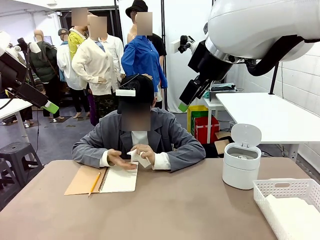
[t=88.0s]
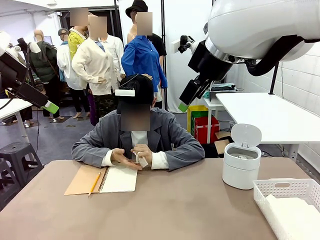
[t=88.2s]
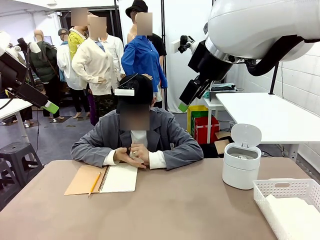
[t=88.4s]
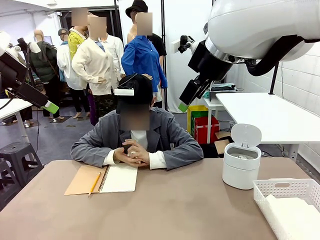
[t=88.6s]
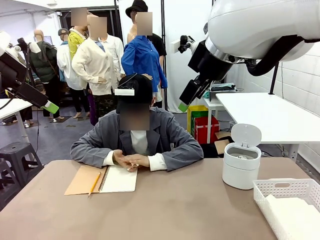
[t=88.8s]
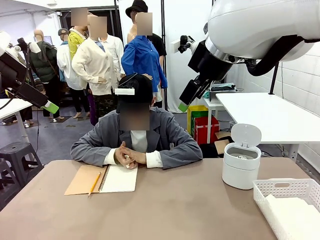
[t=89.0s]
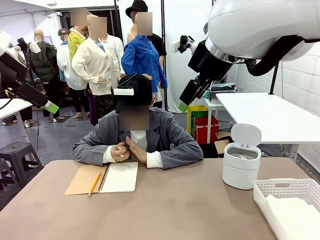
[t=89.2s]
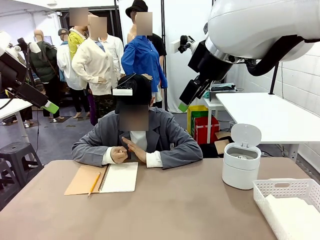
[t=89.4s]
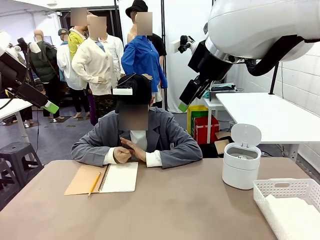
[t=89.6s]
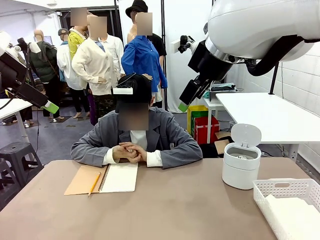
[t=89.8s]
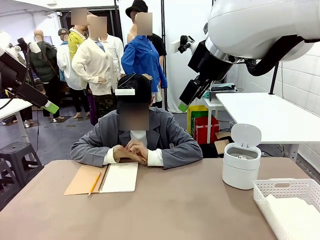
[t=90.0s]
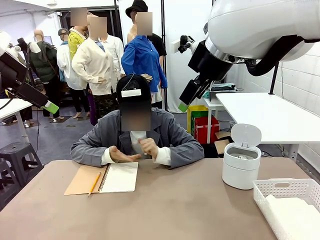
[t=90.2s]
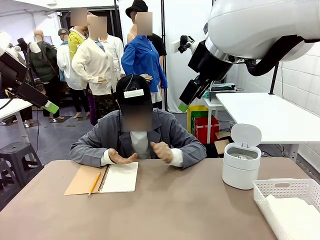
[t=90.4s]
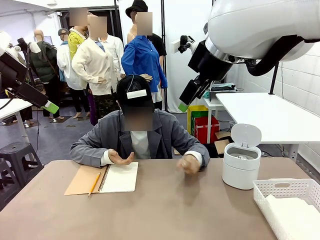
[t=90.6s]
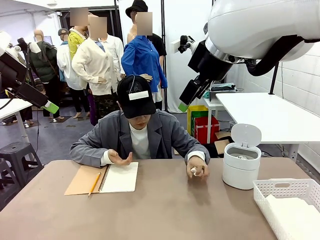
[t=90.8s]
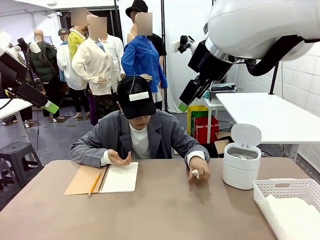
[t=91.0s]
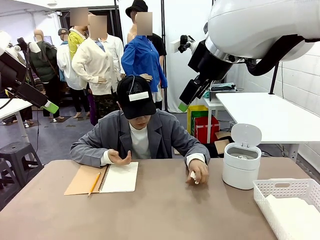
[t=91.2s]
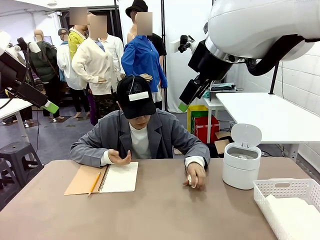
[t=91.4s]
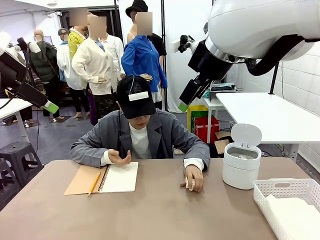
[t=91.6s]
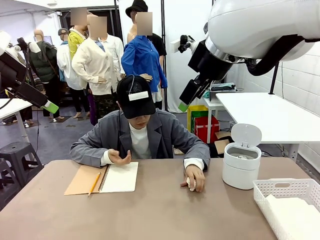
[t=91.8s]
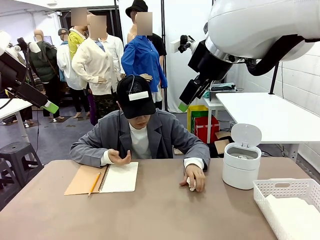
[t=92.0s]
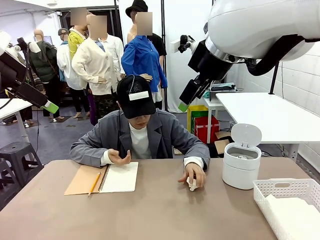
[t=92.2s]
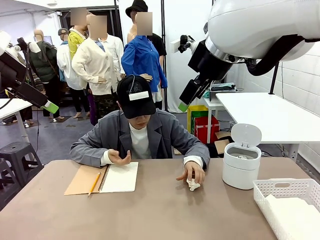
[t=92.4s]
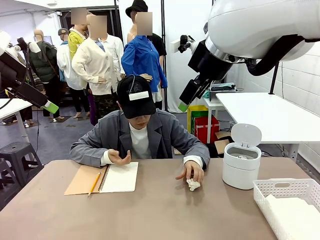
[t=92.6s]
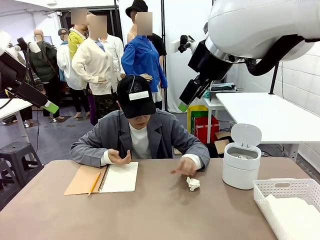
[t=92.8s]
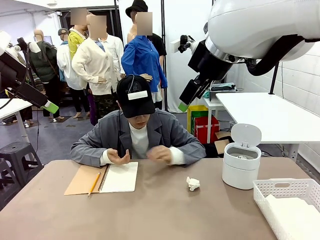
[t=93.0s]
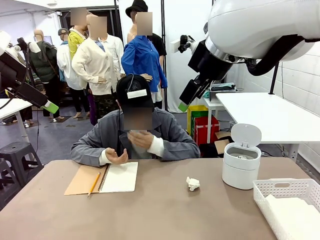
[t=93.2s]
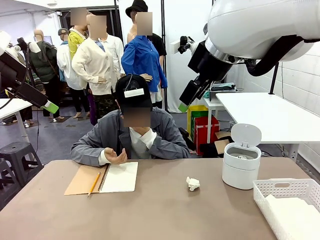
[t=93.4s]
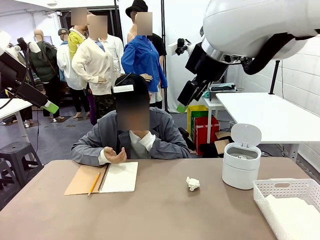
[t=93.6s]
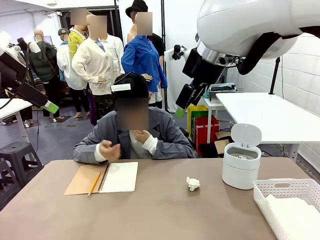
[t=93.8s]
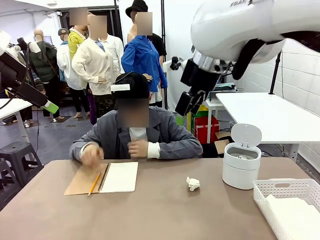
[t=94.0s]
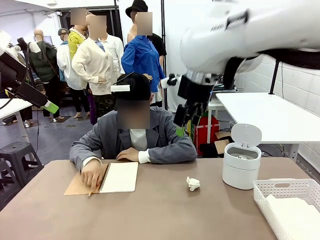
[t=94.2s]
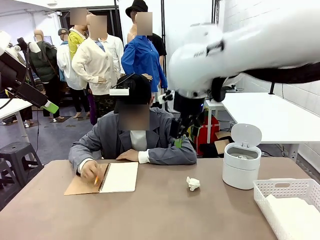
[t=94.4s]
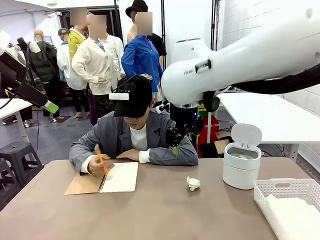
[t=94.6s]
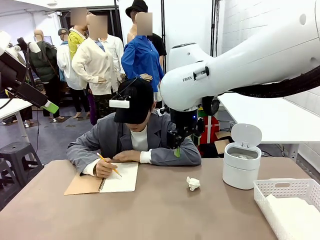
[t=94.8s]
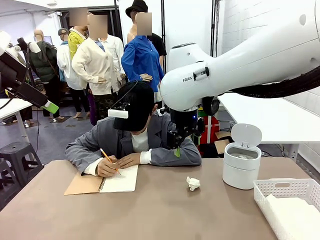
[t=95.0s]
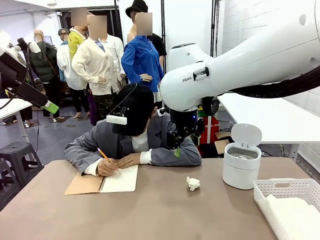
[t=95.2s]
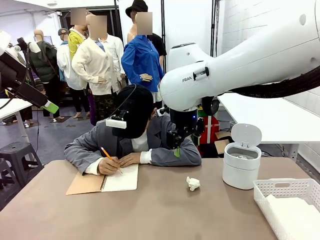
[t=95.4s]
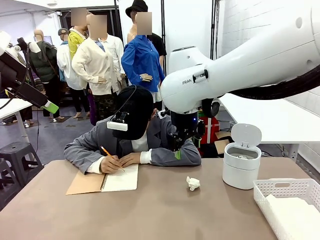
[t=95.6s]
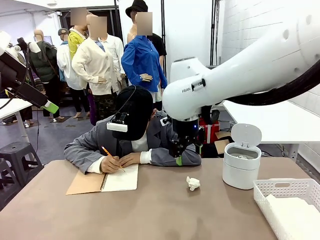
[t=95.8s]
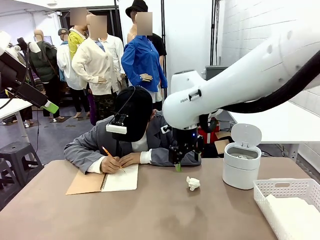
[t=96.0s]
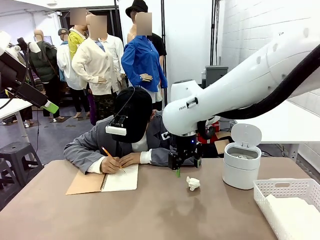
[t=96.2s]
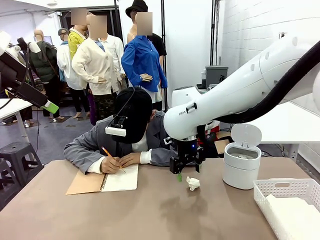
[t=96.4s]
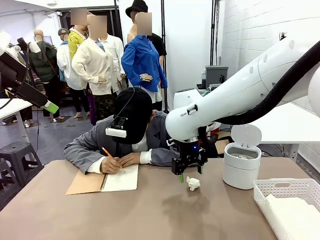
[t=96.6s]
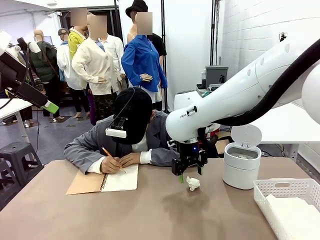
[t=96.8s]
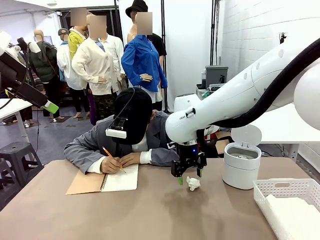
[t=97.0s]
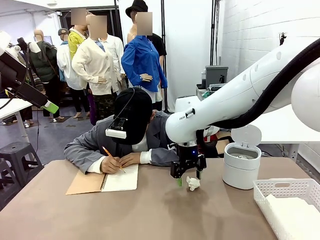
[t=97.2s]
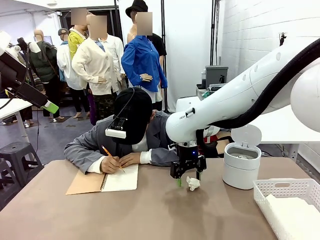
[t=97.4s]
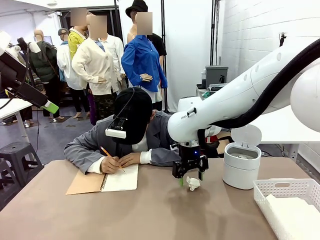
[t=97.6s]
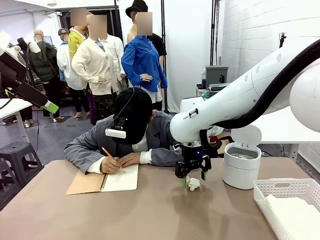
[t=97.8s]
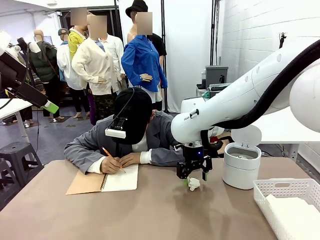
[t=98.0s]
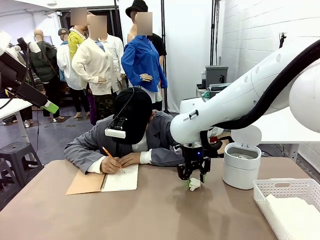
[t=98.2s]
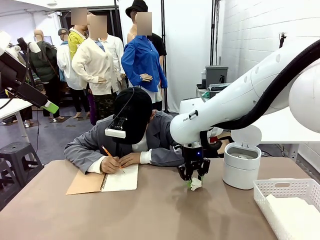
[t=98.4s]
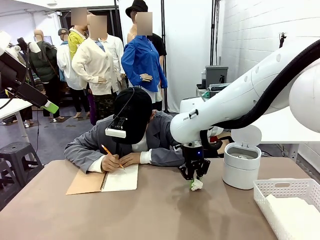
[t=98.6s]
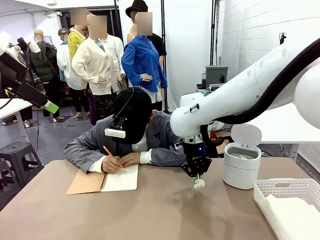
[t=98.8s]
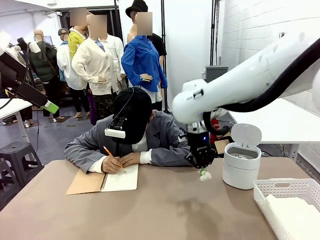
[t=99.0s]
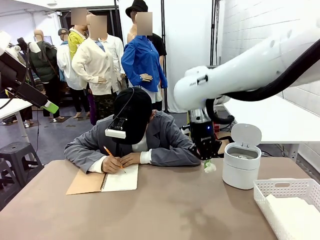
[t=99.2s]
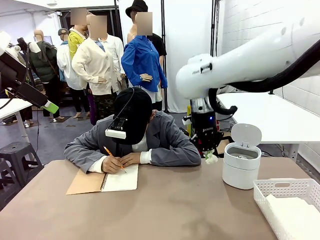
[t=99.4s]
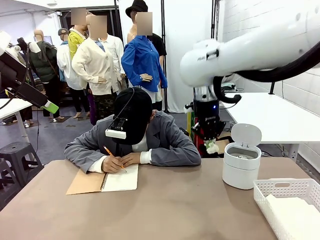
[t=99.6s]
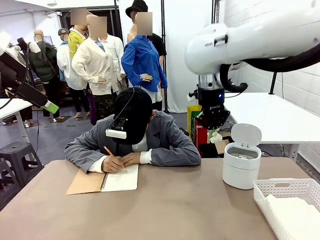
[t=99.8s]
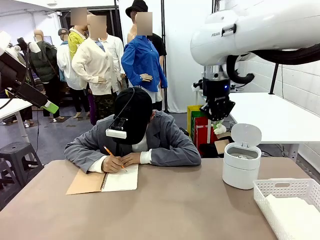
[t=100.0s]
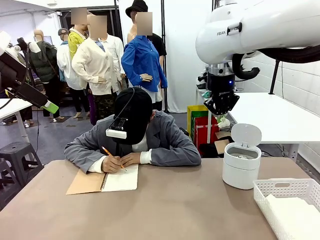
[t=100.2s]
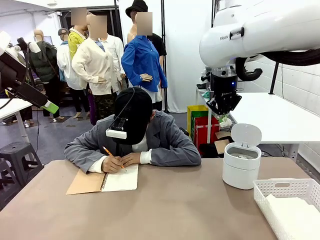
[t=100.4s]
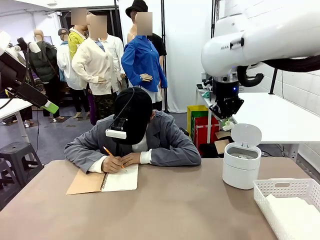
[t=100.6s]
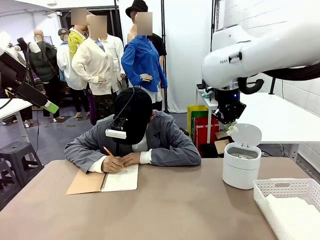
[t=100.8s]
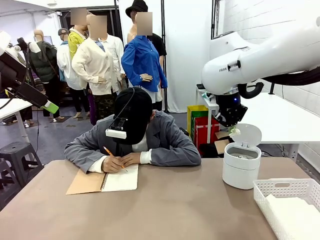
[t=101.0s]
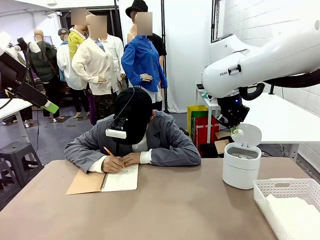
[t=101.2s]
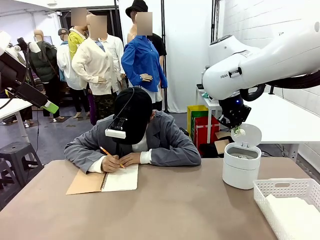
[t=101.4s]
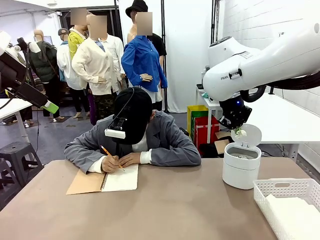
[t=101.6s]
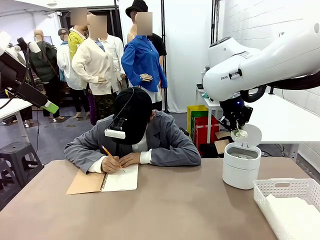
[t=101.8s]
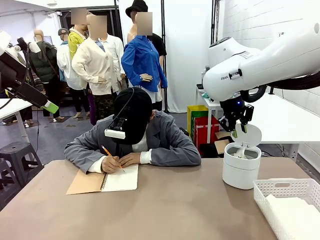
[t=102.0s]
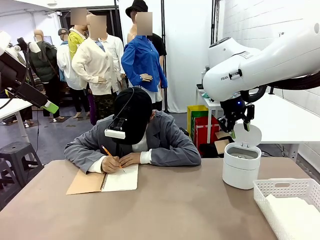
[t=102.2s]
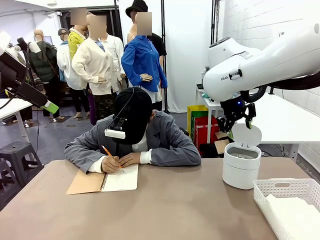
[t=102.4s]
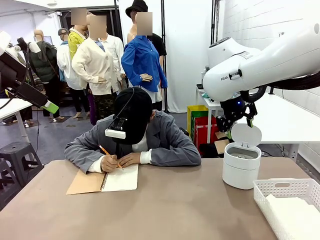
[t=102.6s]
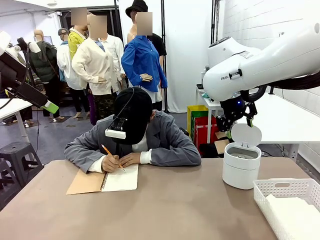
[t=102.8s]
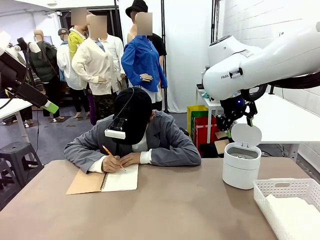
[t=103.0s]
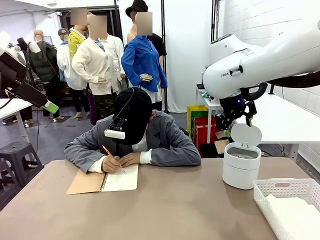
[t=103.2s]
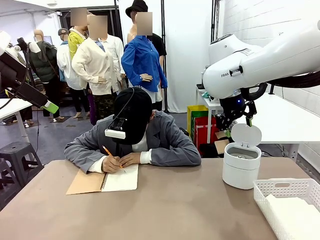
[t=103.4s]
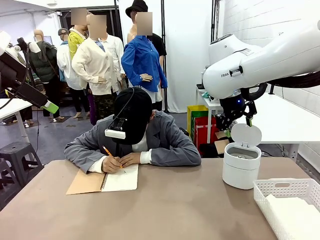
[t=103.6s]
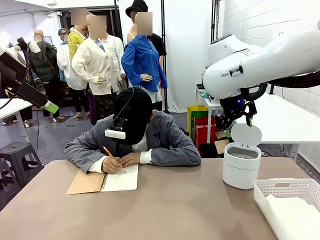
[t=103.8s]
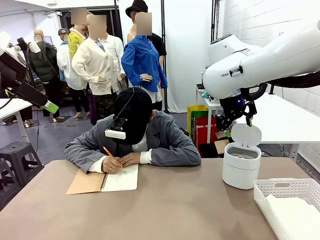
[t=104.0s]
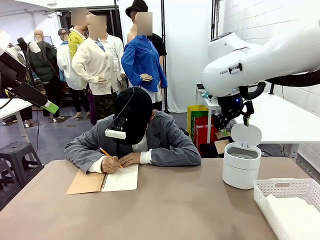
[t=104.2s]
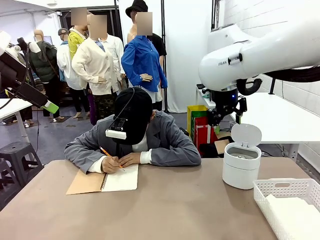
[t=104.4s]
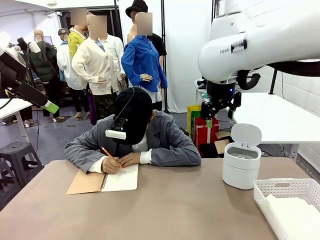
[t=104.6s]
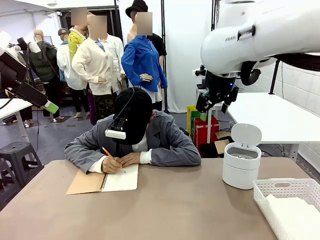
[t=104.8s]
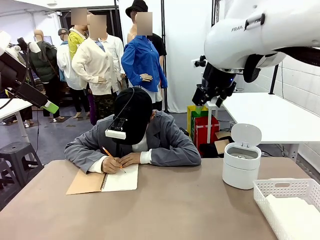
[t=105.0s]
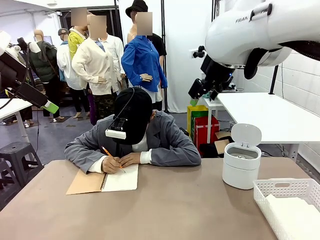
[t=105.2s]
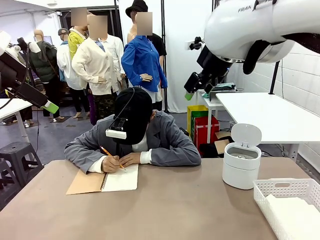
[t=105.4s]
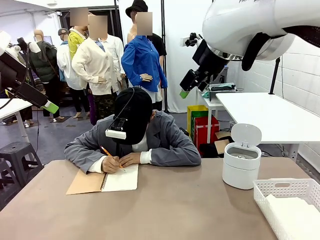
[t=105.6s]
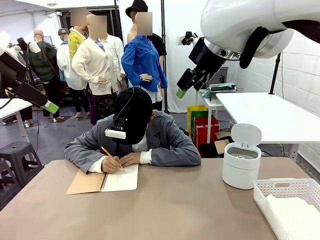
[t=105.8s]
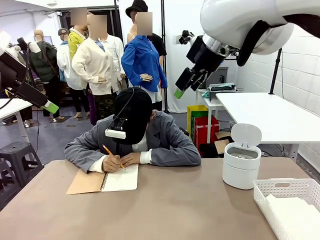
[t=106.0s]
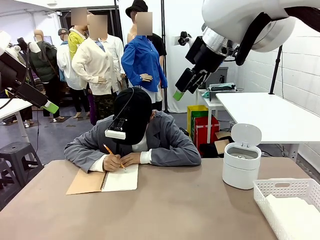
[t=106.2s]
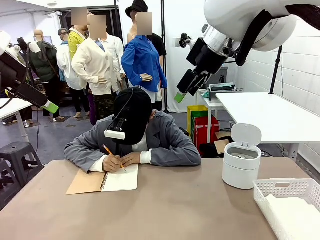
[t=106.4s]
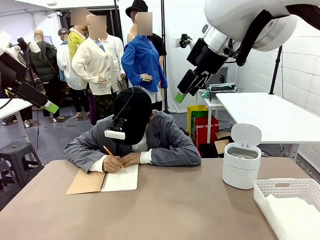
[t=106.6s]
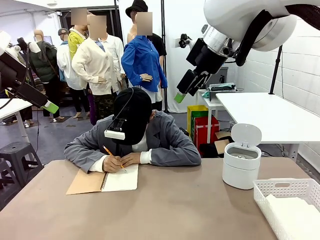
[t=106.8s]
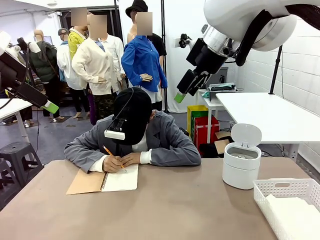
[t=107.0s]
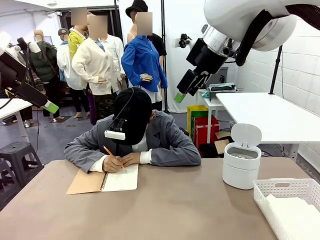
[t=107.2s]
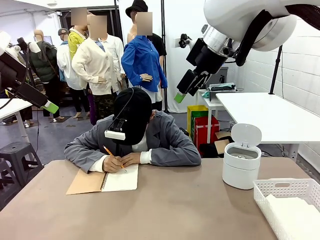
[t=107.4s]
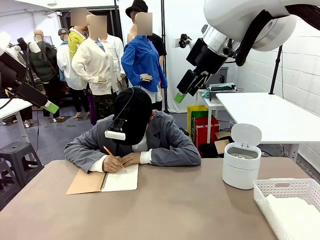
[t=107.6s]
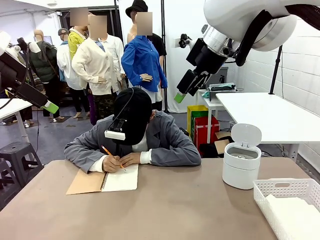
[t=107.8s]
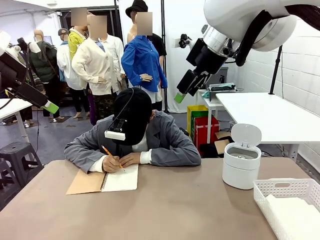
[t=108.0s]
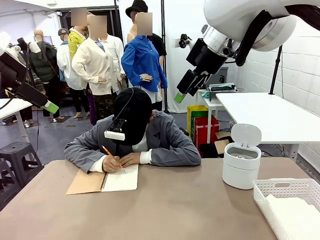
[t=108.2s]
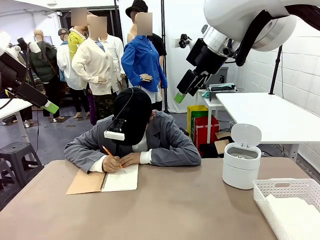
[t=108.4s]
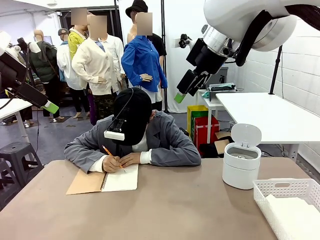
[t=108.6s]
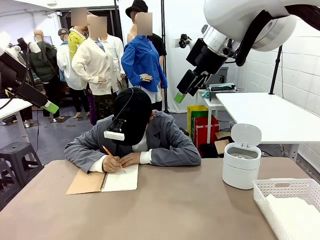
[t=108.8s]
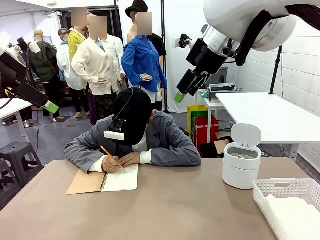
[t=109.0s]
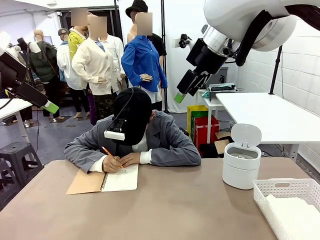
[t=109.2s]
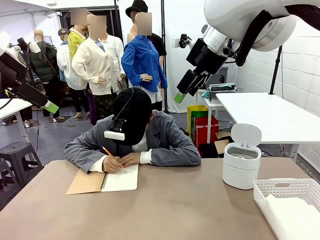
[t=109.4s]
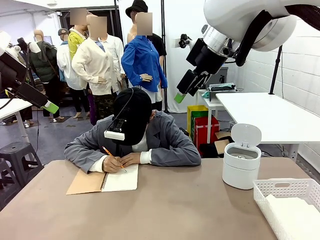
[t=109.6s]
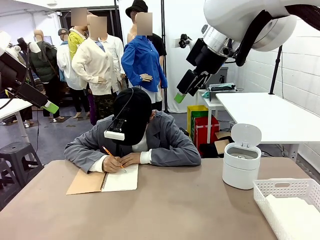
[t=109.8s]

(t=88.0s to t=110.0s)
Task: Sort the paper based on its condition.
Robot: If a person hands you a paper, place it in the Organizing basket , and if it's crumpled, put it in the Trash can.
Person: Hand the torn page to the robot or crumple it and throw it to the center of the table.
